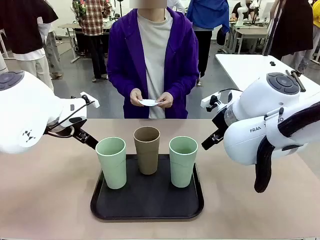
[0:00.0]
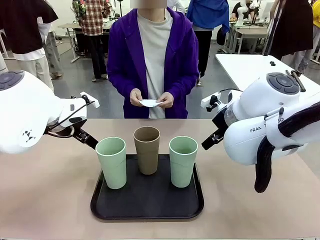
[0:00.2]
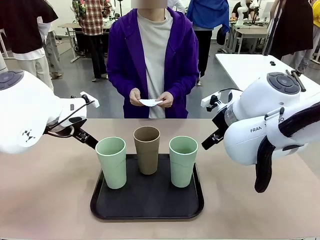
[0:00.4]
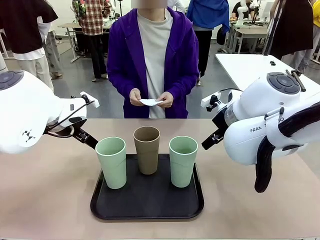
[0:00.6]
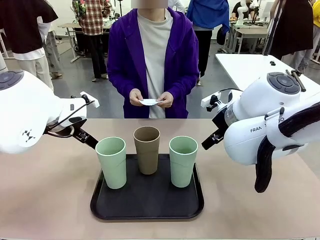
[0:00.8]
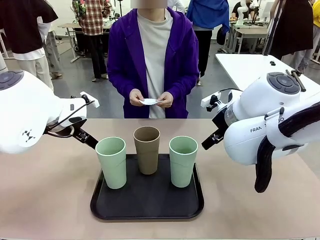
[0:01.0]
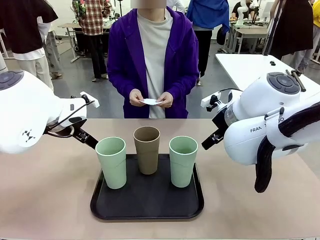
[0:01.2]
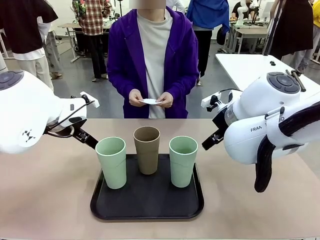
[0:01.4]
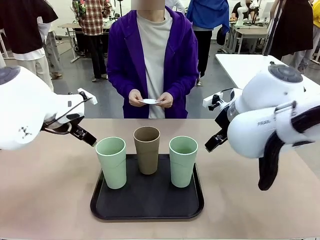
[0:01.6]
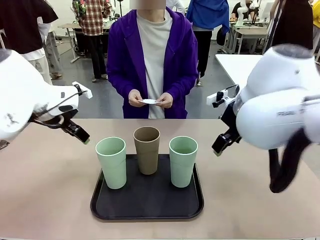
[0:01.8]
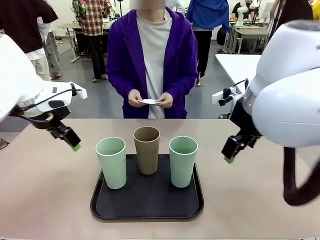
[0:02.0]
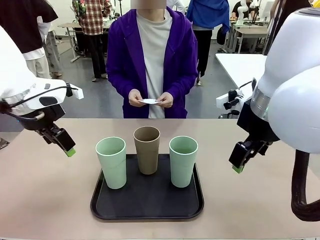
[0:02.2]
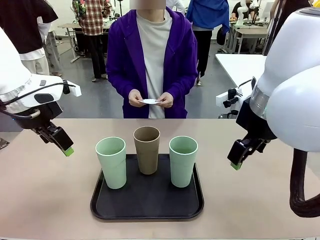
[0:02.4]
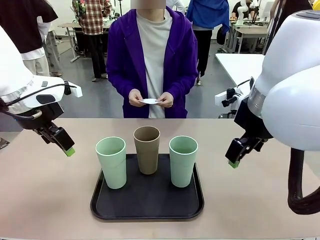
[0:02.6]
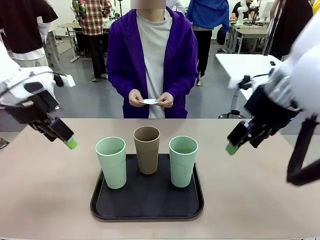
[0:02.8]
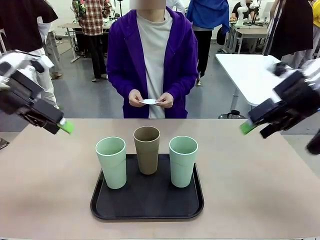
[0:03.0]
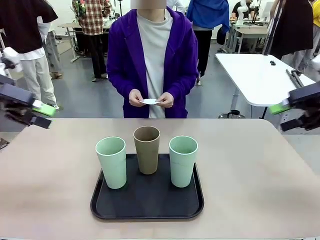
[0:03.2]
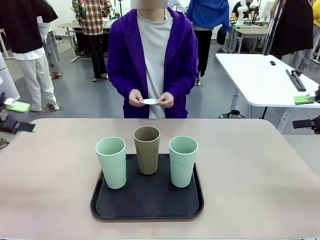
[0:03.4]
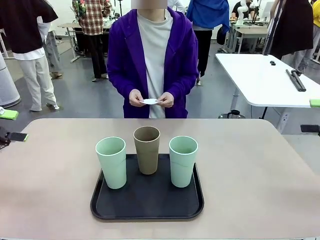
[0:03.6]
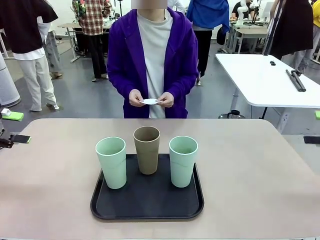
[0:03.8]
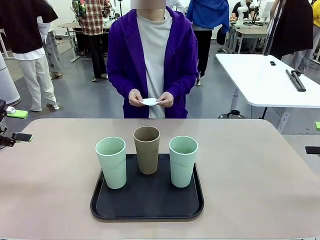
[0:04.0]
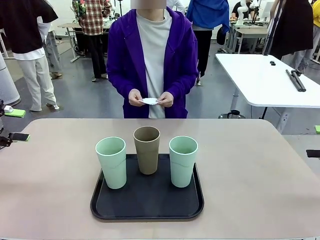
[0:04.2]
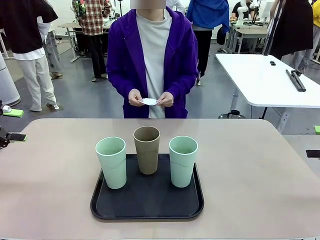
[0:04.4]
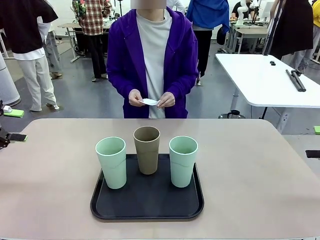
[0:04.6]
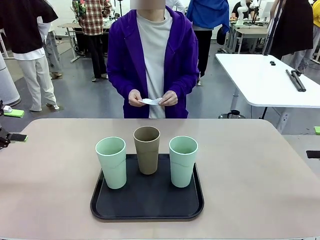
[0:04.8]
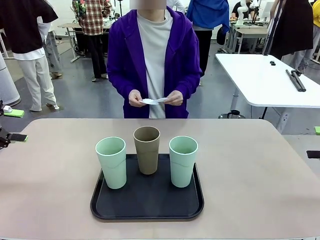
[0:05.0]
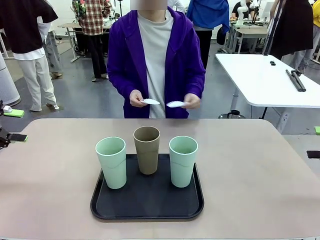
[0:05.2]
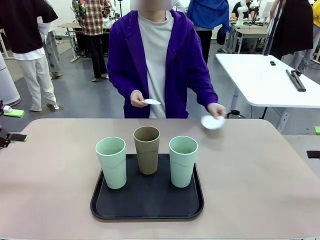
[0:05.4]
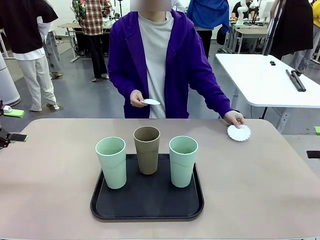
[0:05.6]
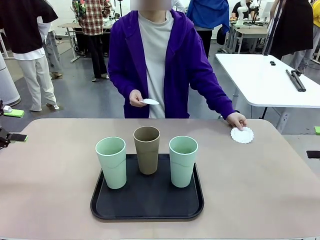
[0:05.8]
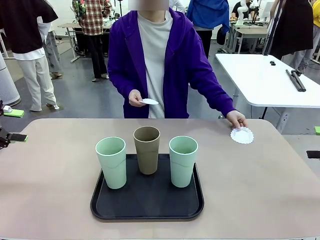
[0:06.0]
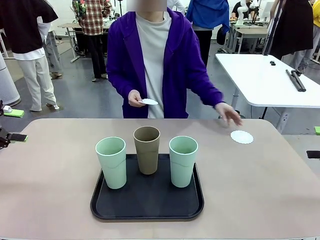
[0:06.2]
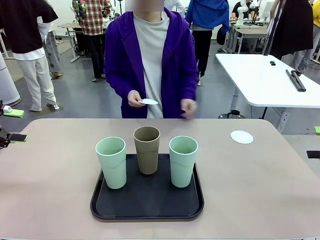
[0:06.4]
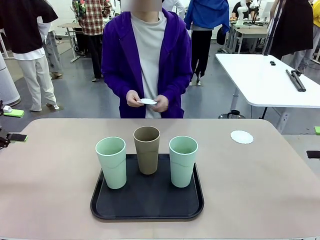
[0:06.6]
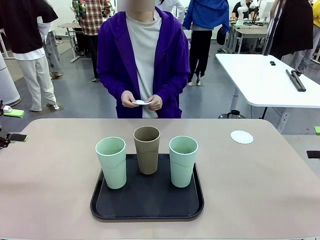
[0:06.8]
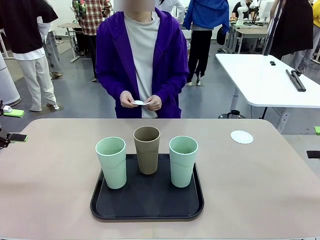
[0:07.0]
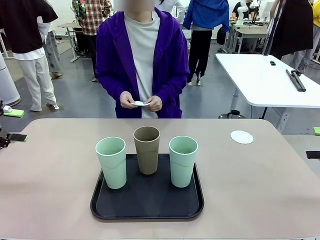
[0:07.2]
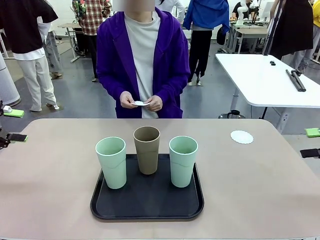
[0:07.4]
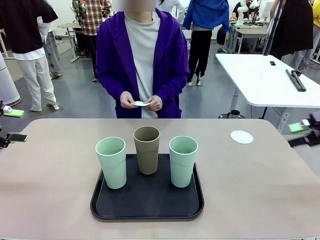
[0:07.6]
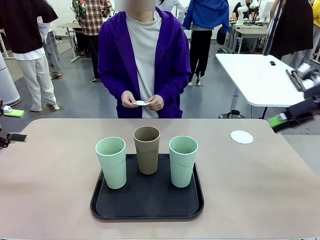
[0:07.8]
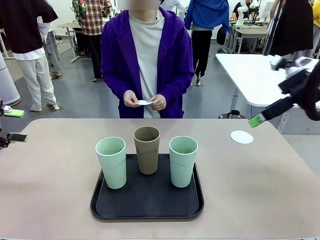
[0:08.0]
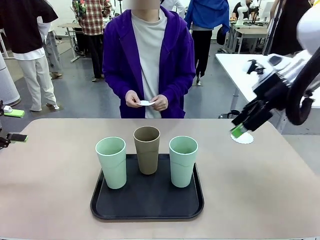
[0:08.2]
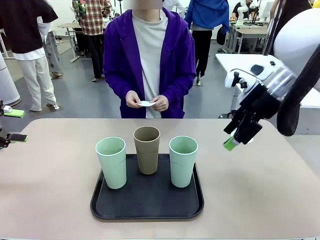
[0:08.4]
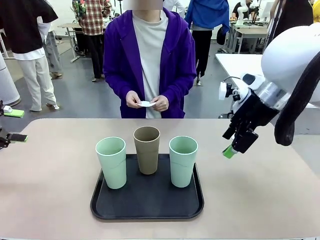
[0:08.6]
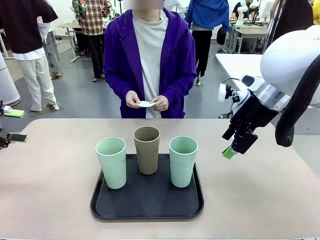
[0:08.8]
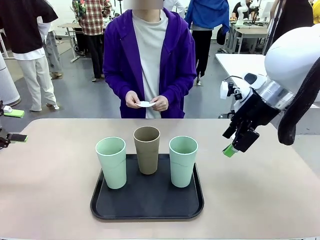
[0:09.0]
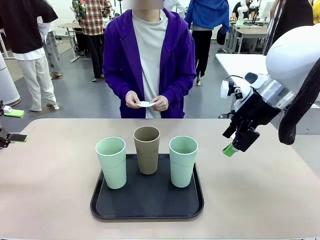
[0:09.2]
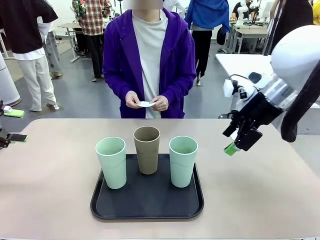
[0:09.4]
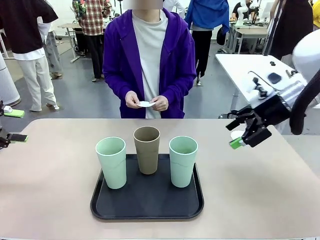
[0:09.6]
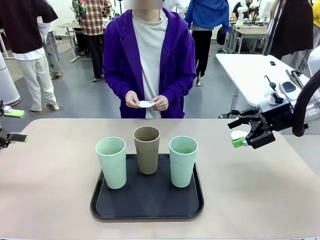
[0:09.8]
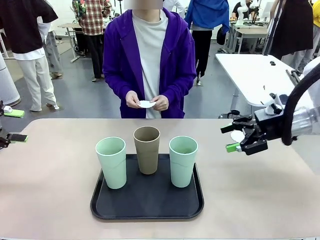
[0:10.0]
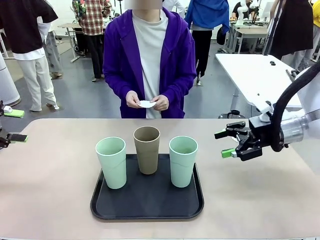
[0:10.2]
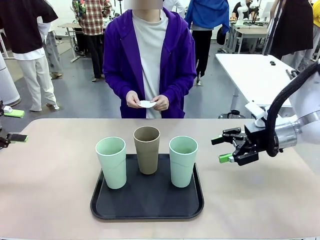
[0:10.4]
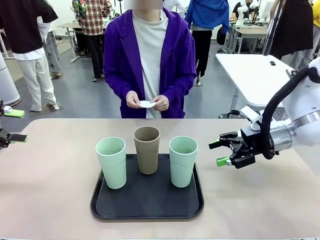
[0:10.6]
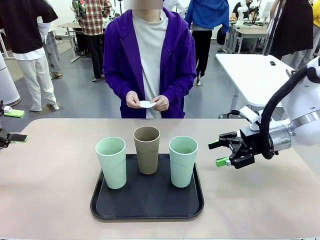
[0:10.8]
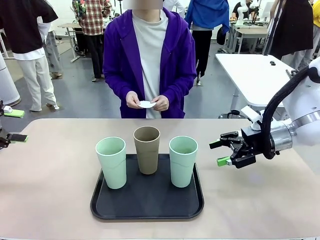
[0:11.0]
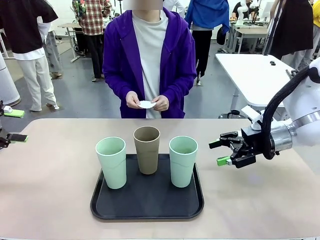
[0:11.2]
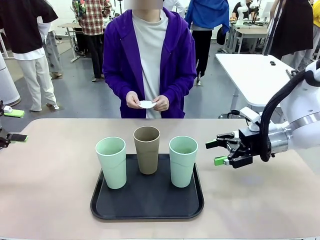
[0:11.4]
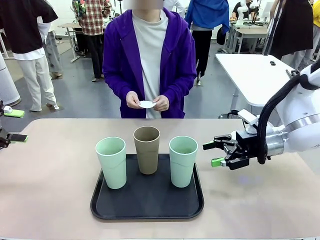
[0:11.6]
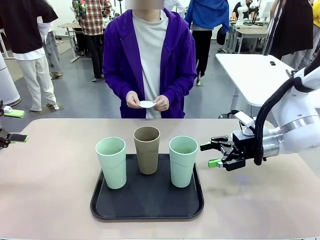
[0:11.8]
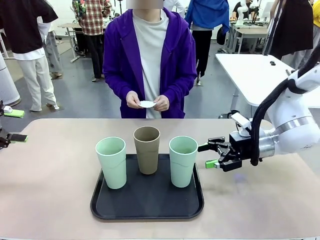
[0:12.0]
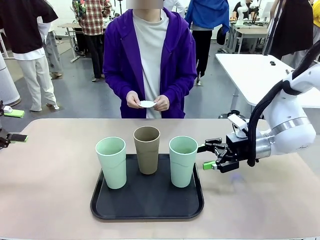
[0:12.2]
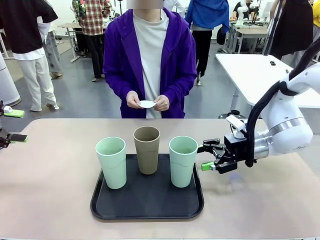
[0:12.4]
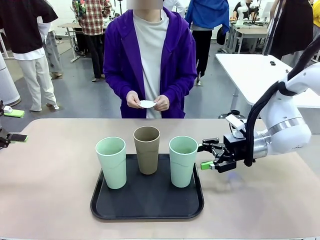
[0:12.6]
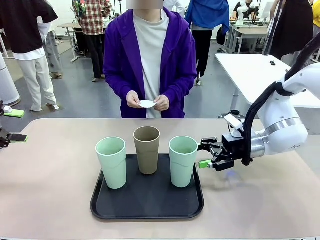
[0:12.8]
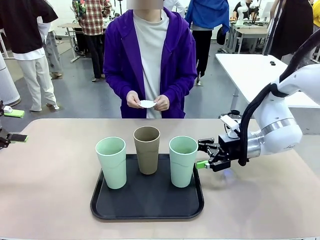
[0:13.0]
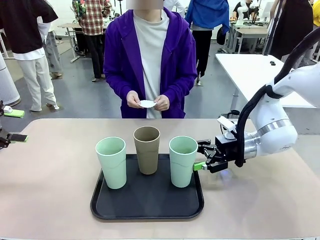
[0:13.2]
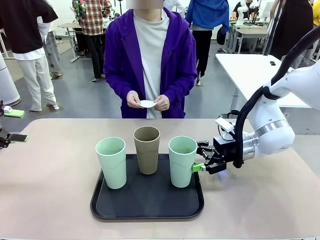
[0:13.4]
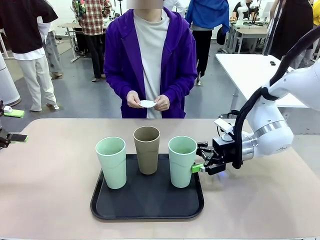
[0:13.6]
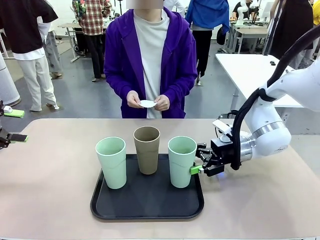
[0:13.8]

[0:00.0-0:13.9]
Task: Place coasters on the table and set cups on them.
Robot: Pick up one Reusable plastic cup and place it on a coaster set by the human.
Person: Place one coaster in any one of the three lower areas of the robot table (left, center, or right).
